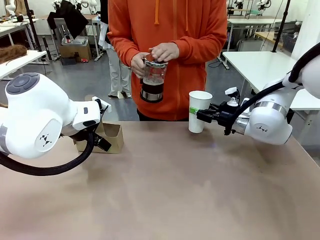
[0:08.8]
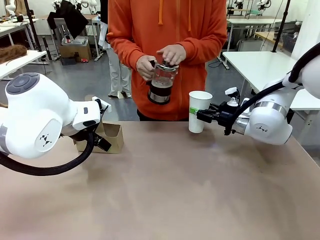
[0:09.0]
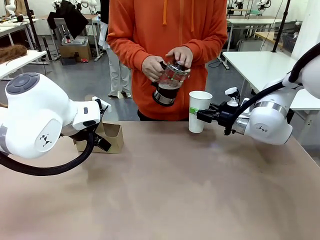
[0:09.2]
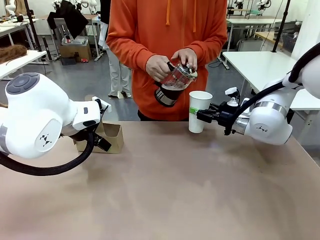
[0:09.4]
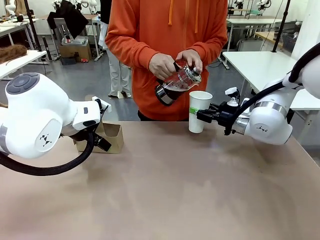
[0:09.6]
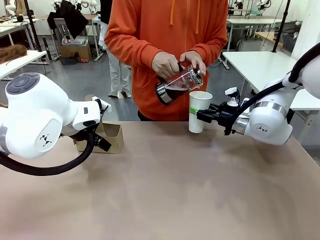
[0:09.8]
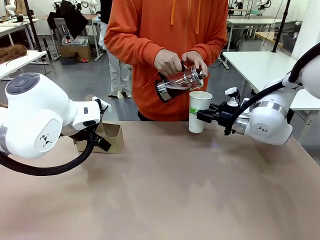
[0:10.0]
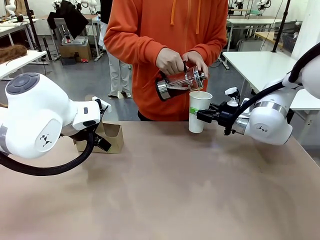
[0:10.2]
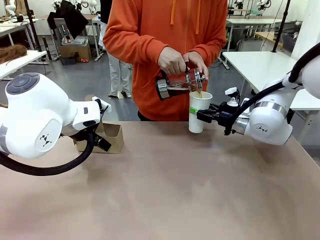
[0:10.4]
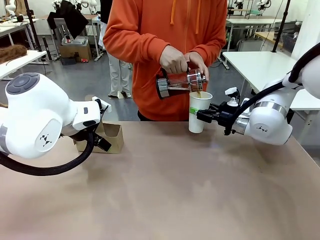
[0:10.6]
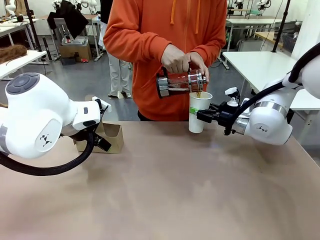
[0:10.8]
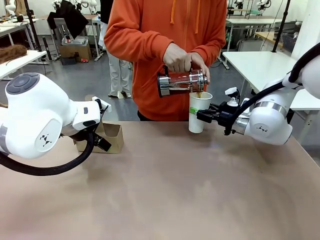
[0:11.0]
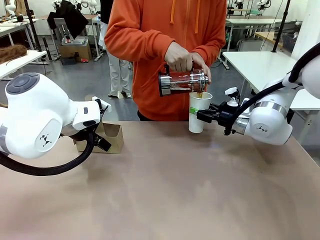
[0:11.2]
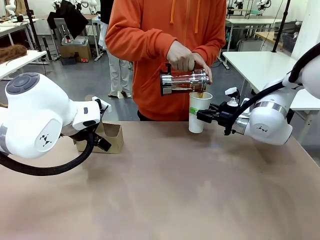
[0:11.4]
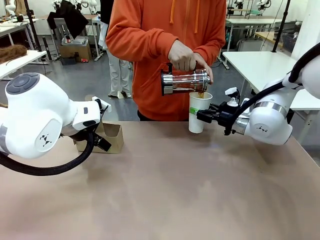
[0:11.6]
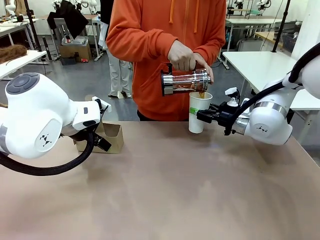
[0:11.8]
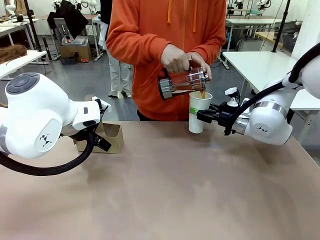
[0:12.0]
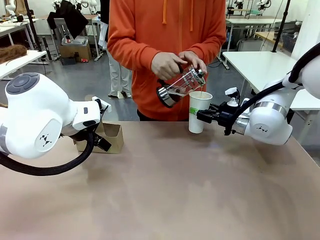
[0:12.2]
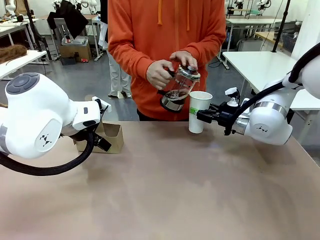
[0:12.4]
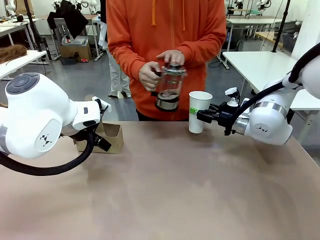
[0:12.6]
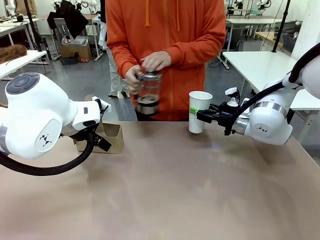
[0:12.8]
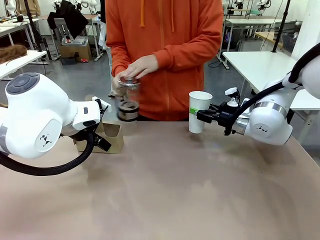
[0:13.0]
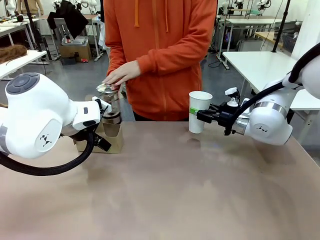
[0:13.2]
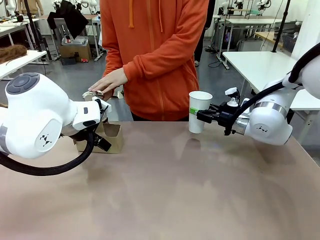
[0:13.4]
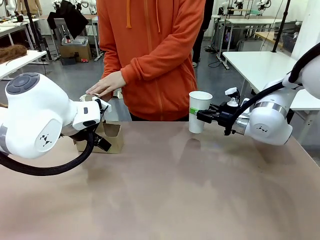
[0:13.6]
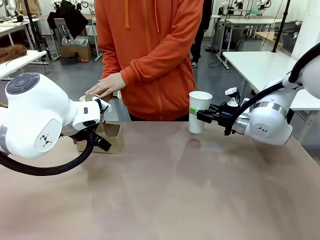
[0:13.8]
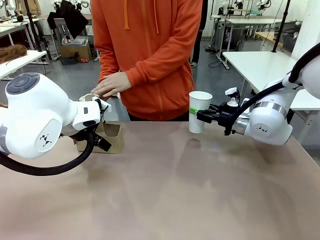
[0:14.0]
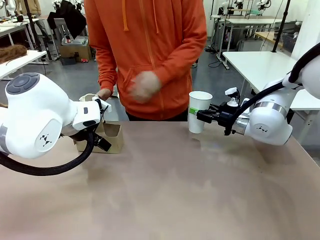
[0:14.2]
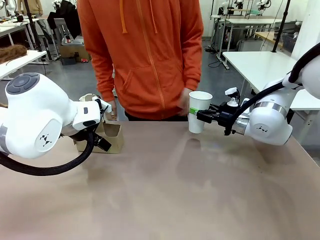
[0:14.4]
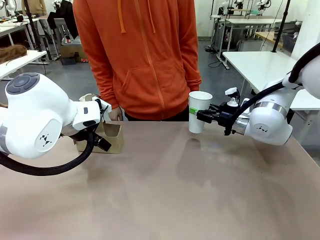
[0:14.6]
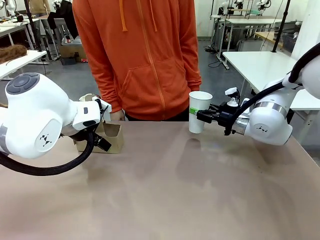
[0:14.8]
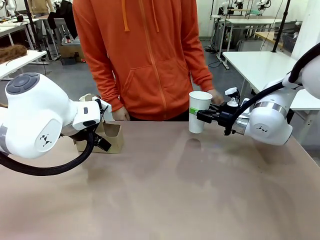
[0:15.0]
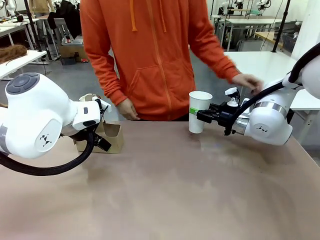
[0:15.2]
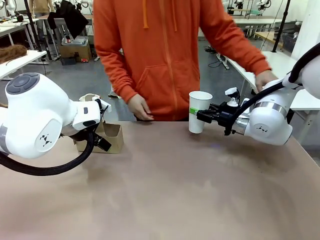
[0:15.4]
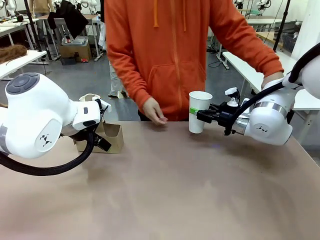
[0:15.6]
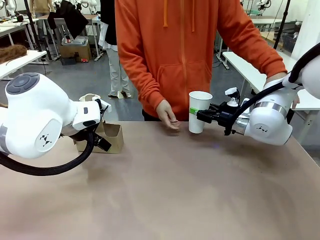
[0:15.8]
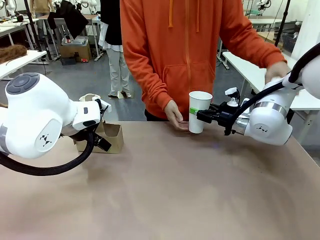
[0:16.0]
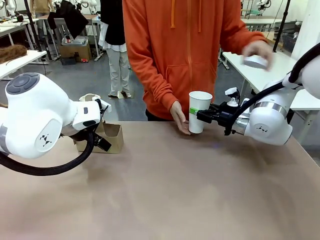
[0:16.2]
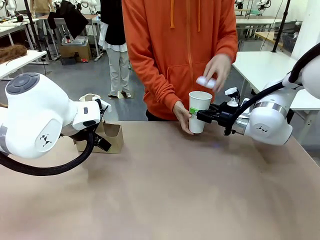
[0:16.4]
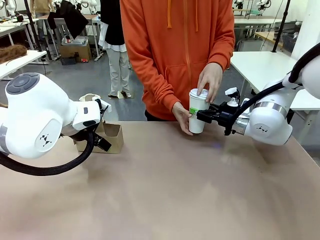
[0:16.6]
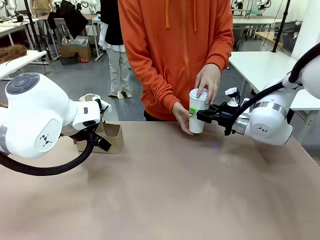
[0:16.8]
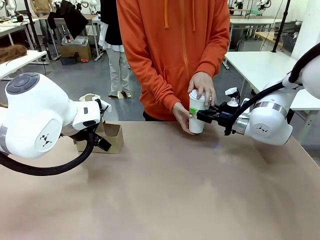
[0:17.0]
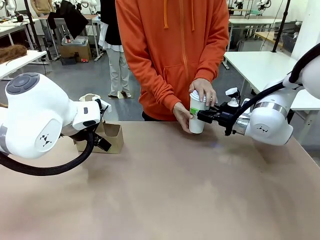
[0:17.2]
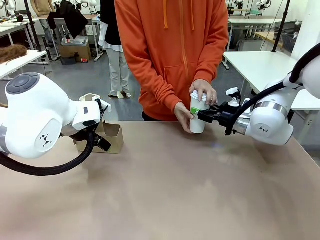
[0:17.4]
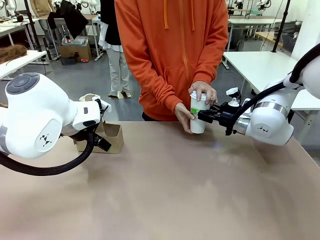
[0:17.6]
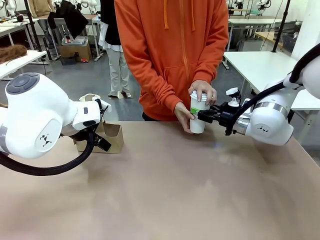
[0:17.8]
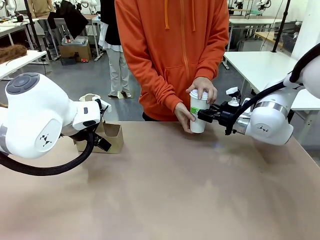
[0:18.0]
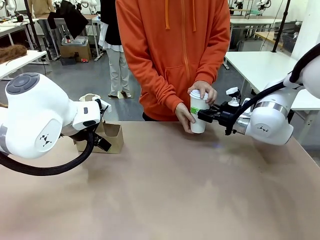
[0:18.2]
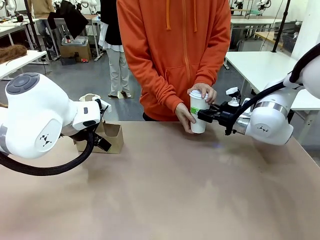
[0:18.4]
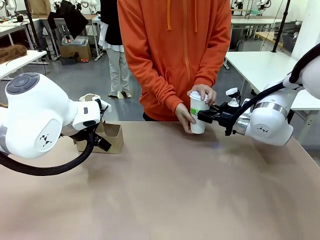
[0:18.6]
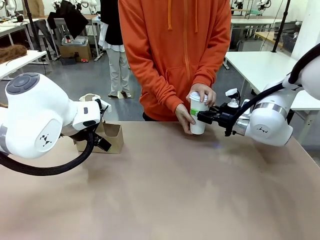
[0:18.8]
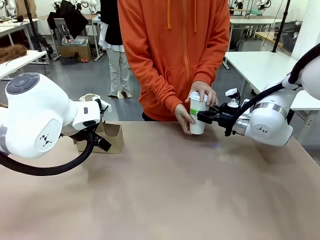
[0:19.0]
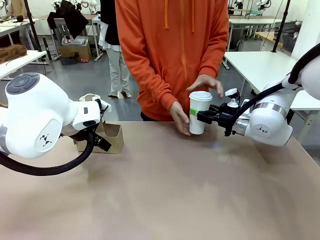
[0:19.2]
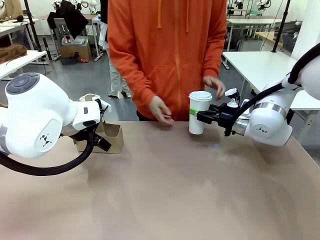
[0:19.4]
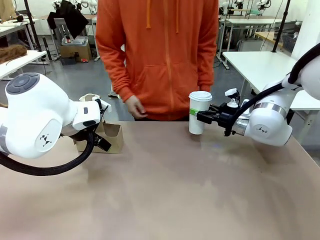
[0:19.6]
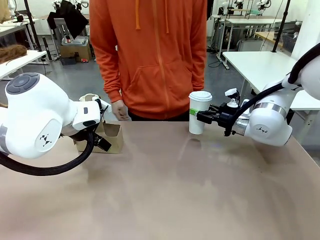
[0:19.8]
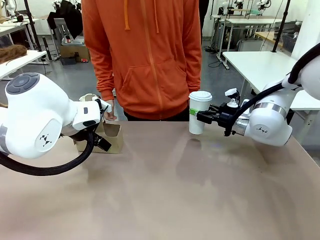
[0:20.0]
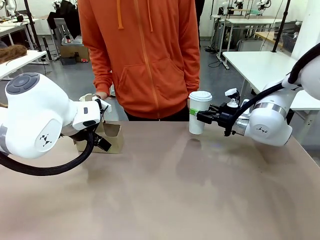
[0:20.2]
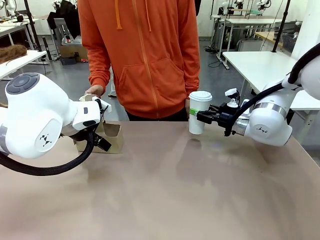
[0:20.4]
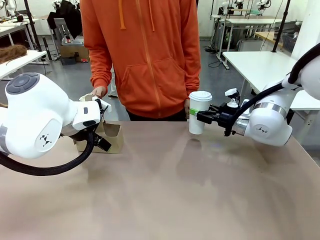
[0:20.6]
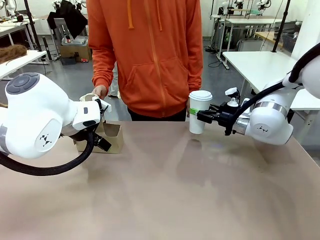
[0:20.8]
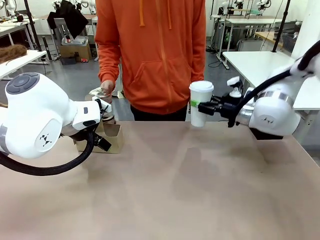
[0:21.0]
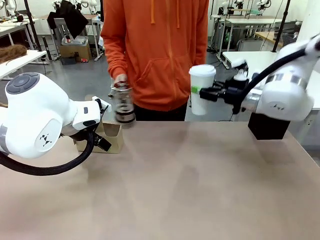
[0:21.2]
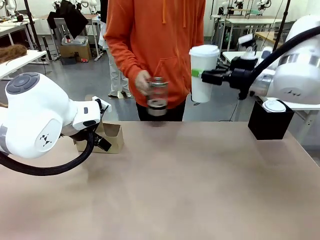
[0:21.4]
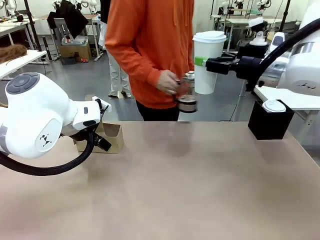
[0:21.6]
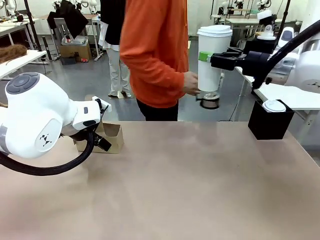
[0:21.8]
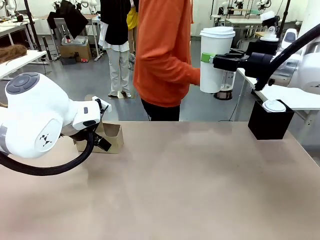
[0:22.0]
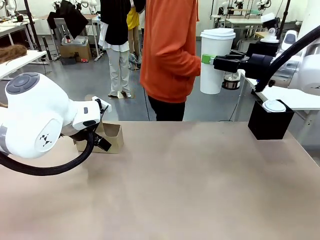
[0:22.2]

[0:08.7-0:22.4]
Task: Pour a drink into a cup and package it in a carrier.
Robot: When a person places the Paper Cup Lid on the 600 ml Paper Cup , lift the 600 ml Paper Cup.
Person: Pour the drink from the Filter Brewing into the 600 ml Paper Cup. Place a Paper Cup Lid on the 600 ml Paper Cup.

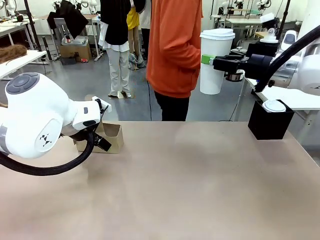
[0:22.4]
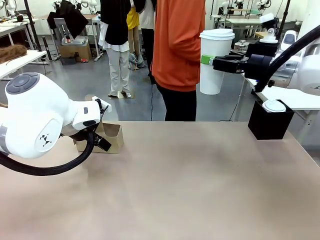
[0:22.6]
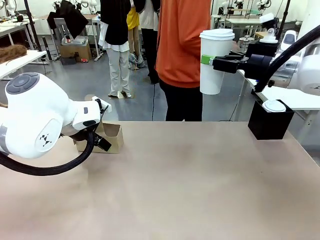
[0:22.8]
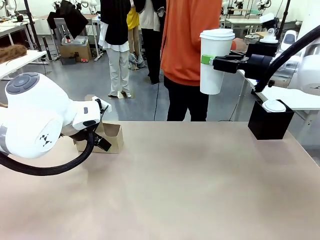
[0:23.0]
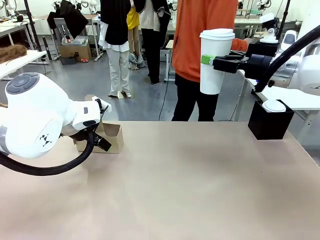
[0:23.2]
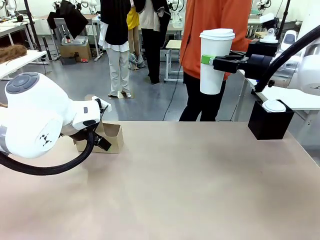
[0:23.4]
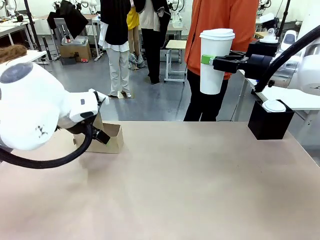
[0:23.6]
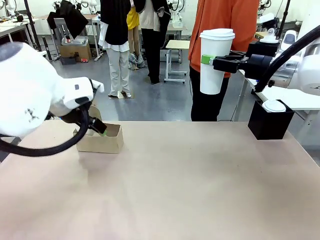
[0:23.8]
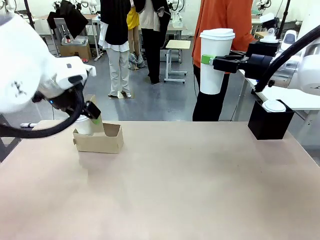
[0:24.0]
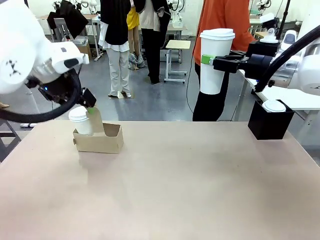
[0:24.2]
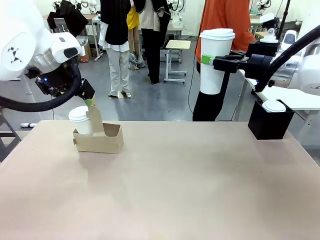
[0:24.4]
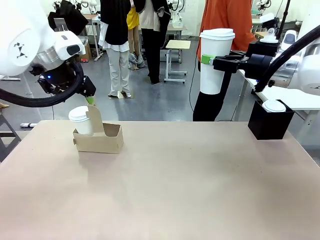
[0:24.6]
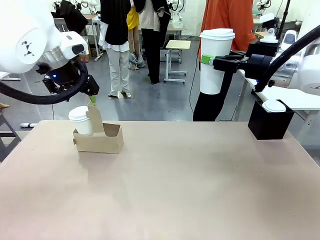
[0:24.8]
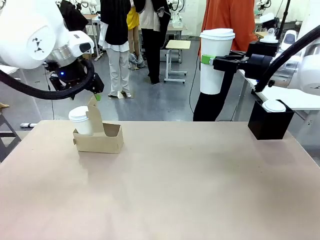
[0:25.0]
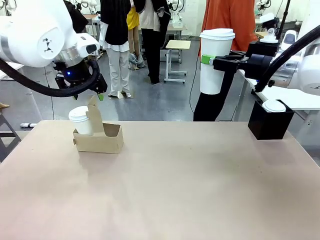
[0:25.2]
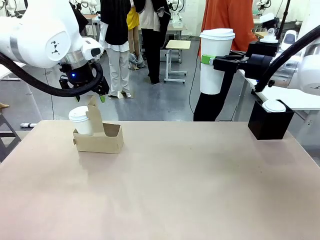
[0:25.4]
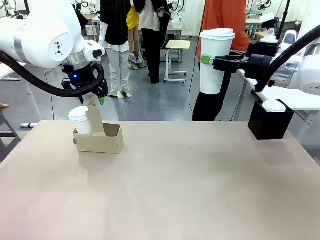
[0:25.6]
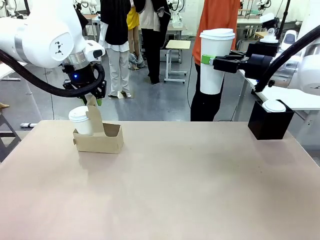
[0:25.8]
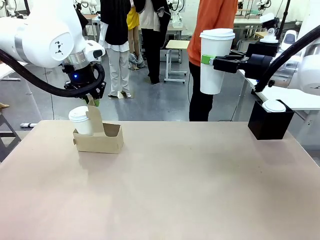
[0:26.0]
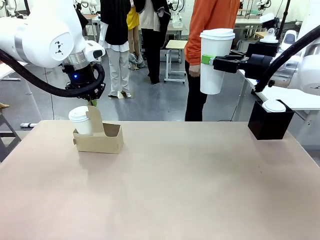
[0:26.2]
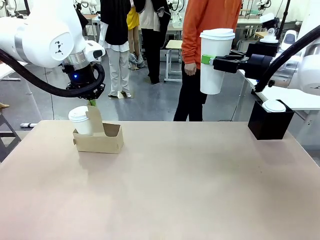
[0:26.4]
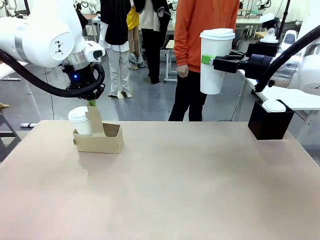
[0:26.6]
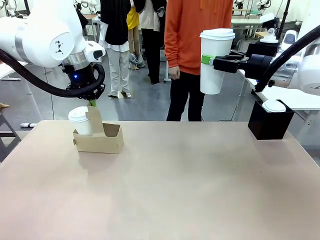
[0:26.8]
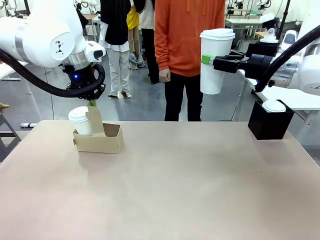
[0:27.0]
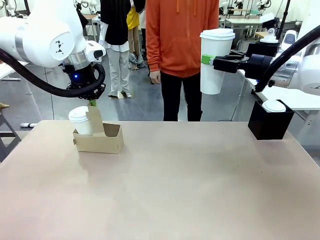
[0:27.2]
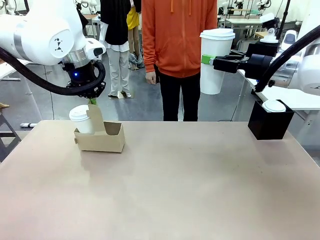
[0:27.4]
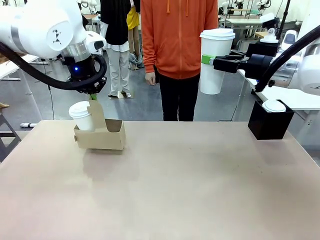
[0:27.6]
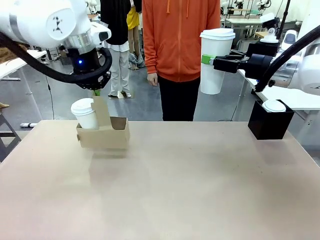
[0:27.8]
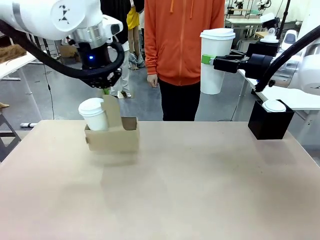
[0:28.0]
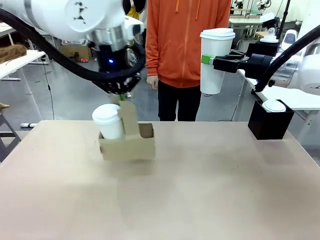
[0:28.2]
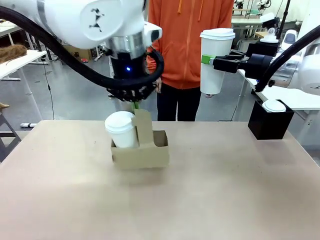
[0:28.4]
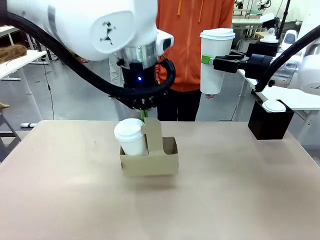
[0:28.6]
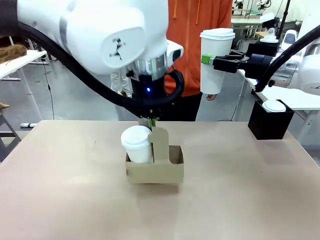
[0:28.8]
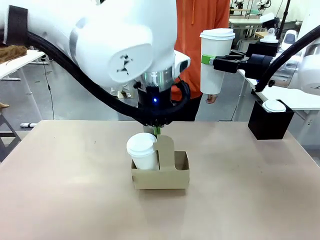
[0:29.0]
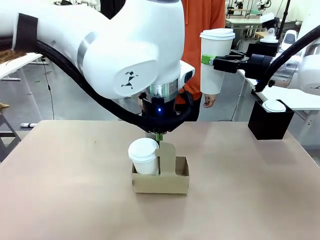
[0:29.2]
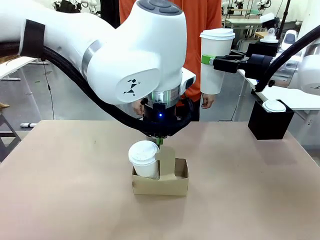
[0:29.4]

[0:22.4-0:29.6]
Robot: Position the Cup Carrier in the center of the table.
Person: Pick up the Filter Brewing and place on the middle of Human table, and return to the Robot table.
